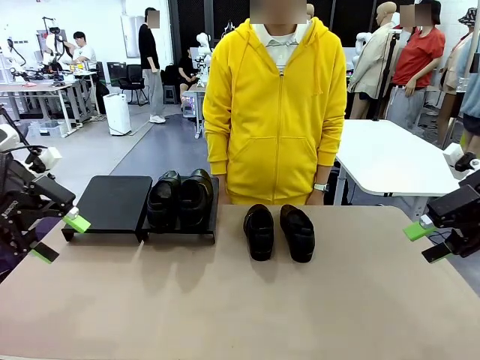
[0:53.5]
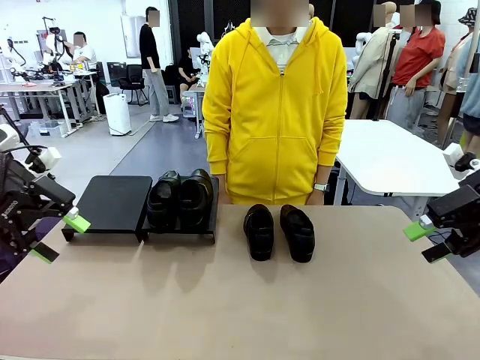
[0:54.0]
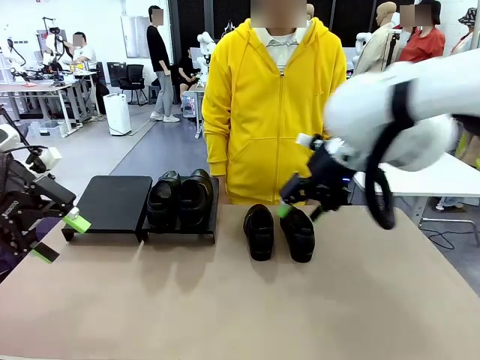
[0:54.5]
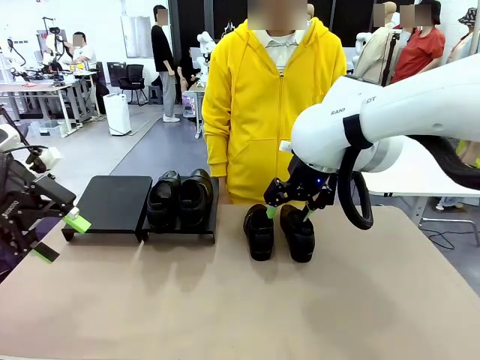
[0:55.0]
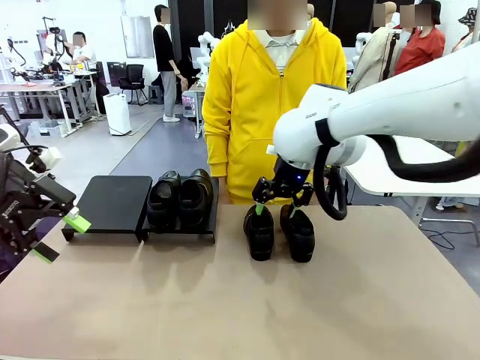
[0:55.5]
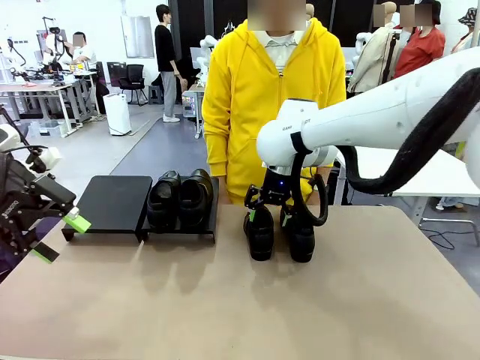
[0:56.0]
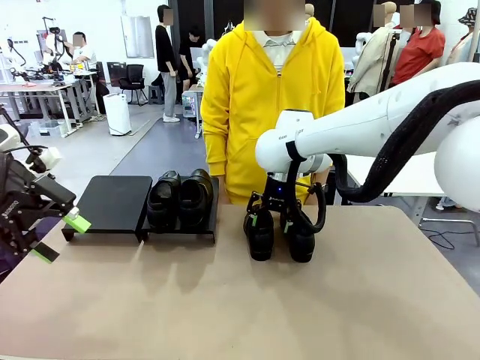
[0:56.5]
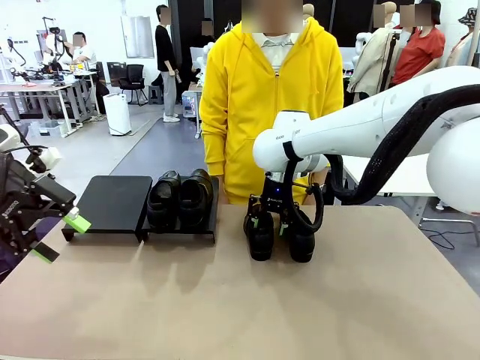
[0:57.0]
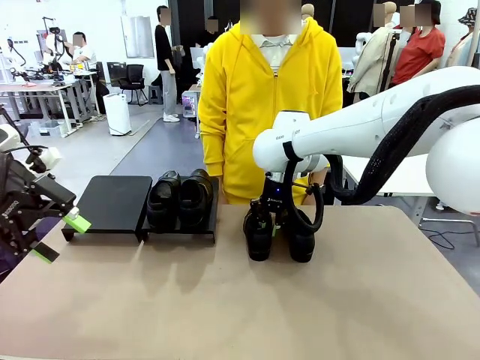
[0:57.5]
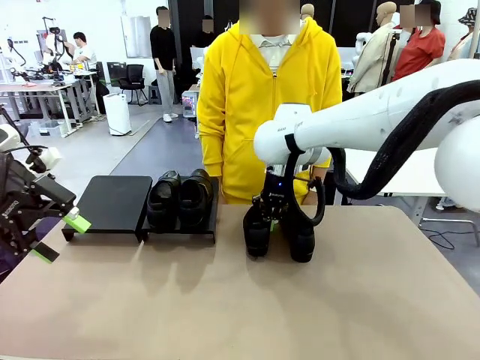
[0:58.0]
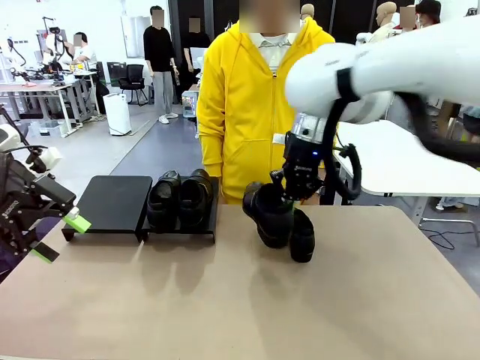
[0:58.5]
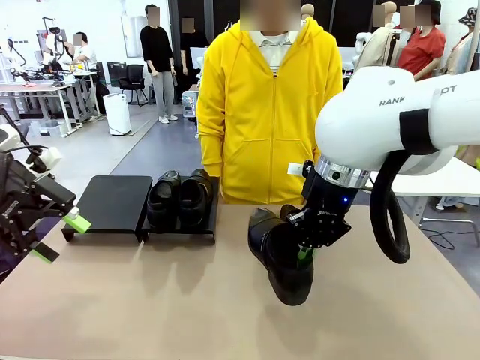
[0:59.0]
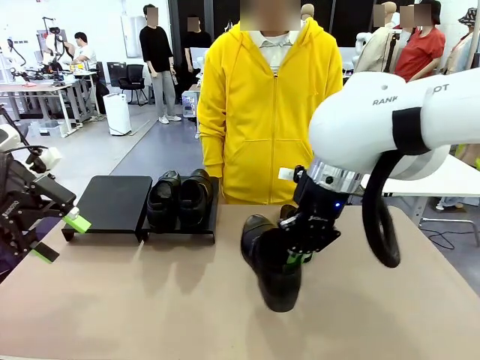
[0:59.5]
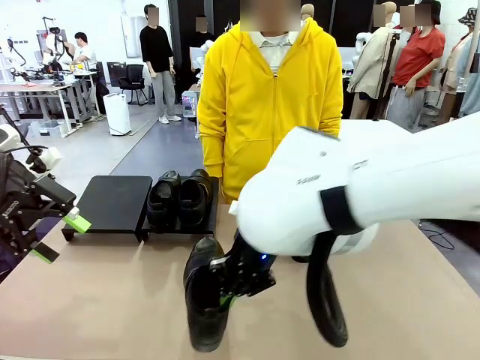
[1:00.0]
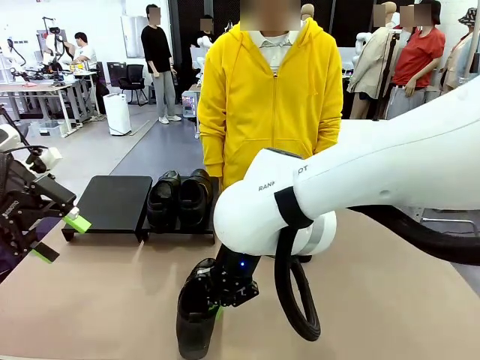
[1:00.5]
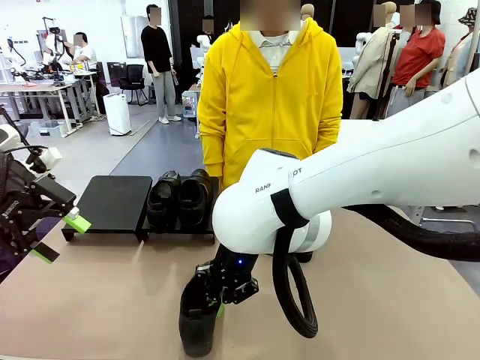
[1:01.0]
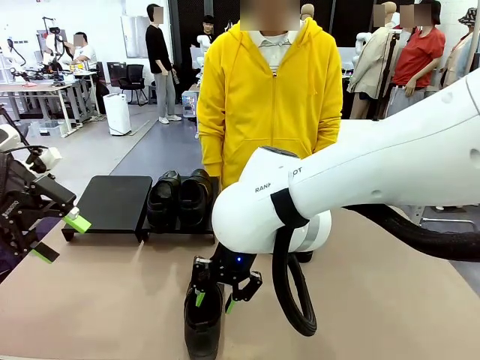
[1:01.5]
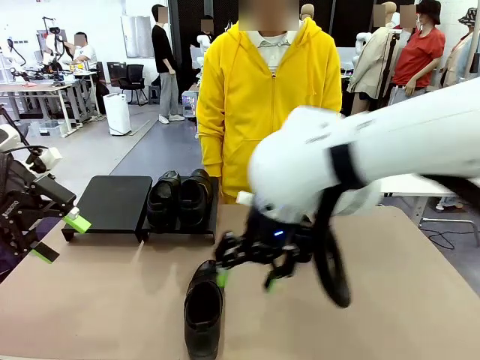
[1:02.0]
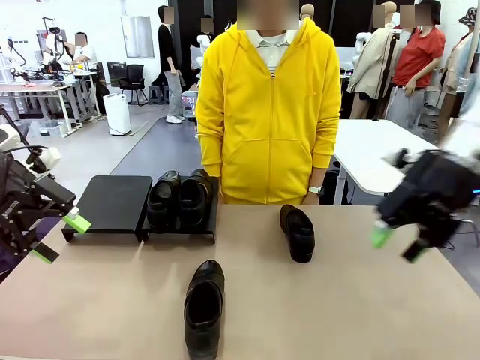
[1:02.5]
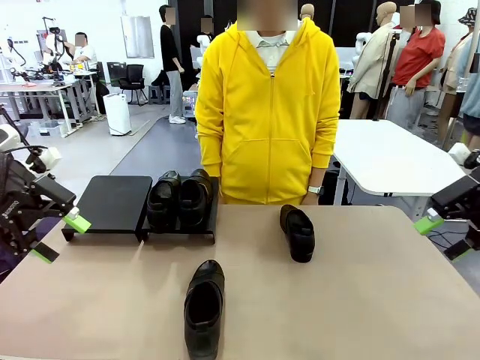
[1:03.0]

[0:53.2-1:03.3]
Task: Organize the shoes by placing them on the stand.
Robot: Pick up one Shoe and place it in the middle of the table.

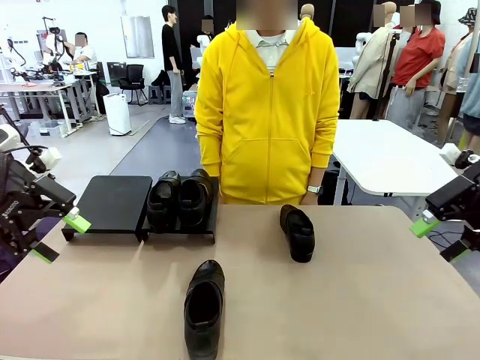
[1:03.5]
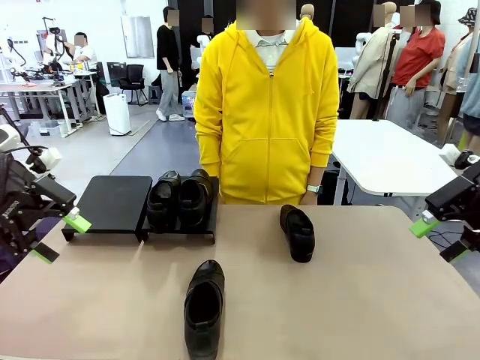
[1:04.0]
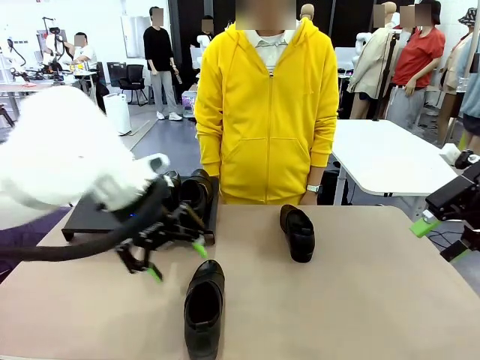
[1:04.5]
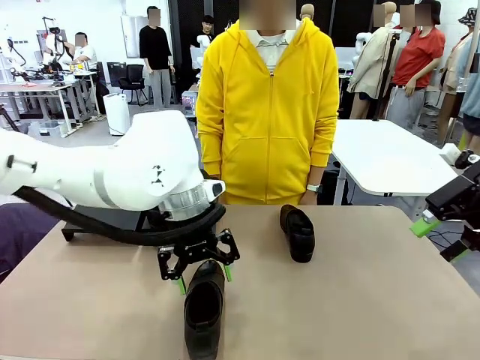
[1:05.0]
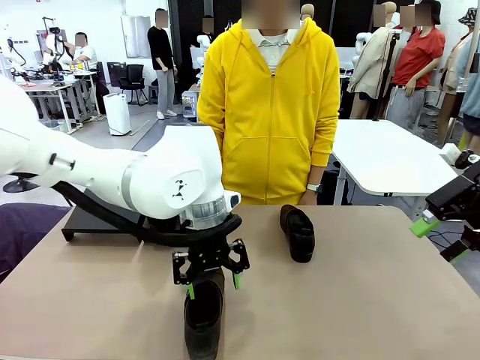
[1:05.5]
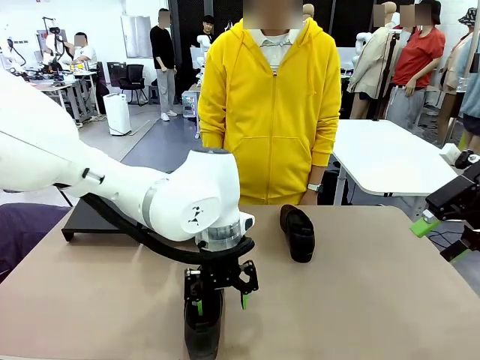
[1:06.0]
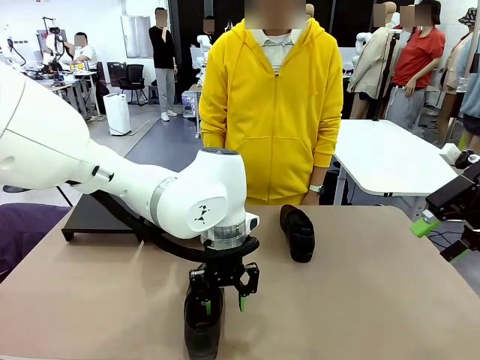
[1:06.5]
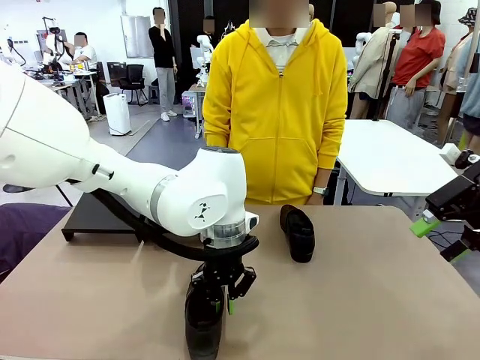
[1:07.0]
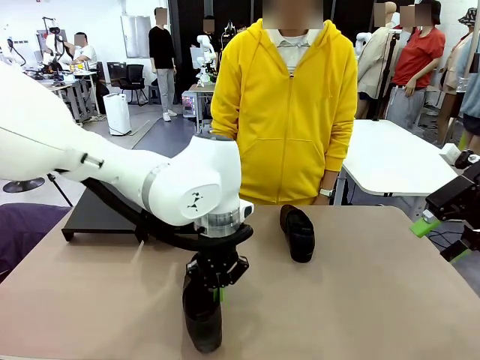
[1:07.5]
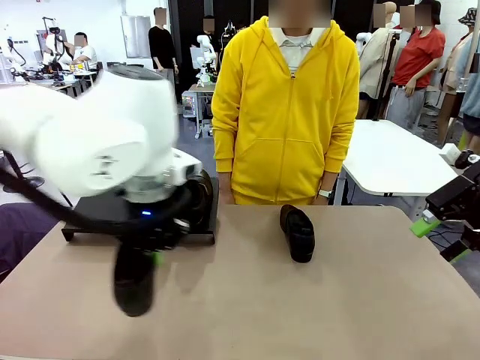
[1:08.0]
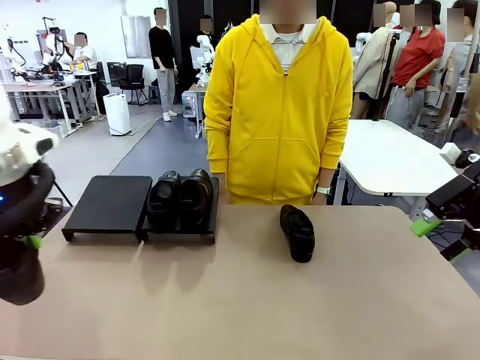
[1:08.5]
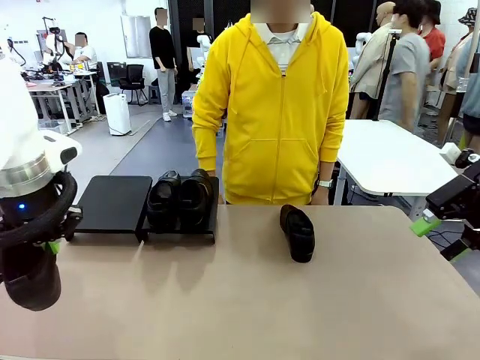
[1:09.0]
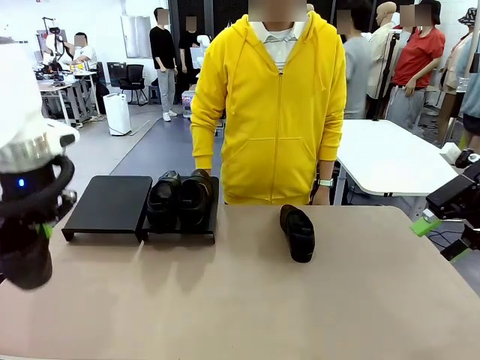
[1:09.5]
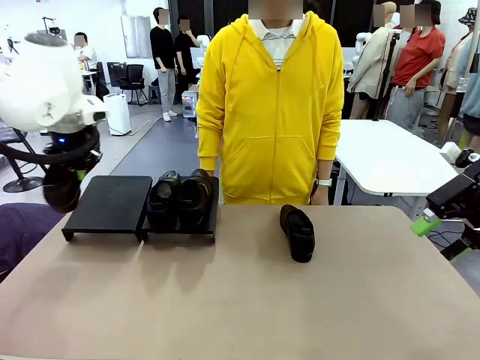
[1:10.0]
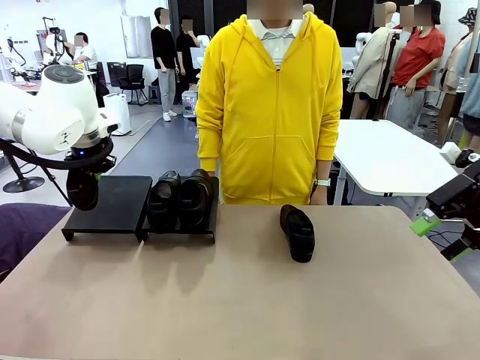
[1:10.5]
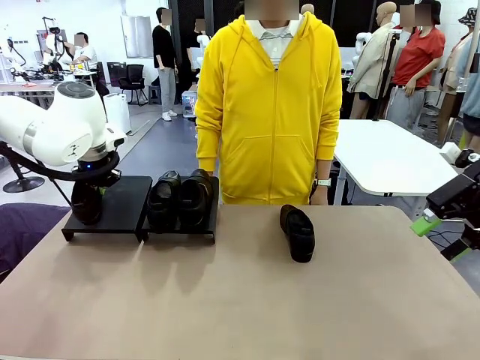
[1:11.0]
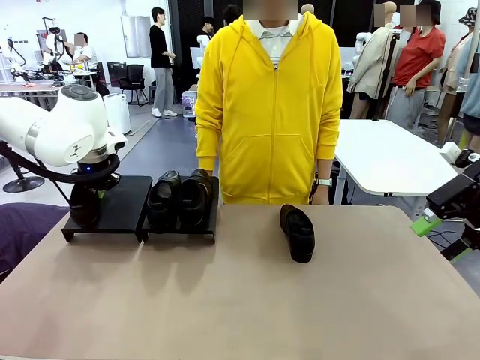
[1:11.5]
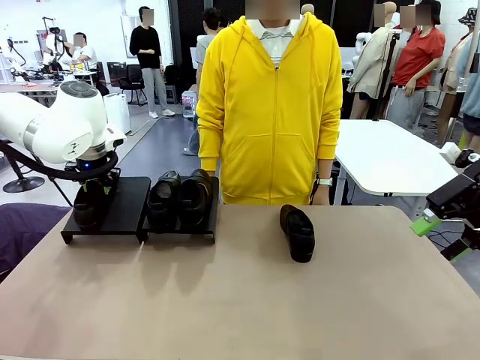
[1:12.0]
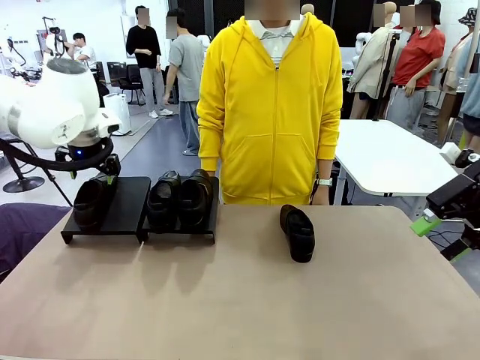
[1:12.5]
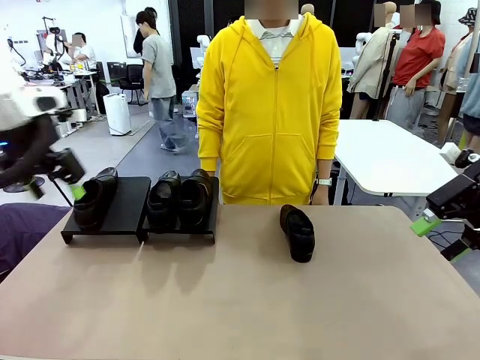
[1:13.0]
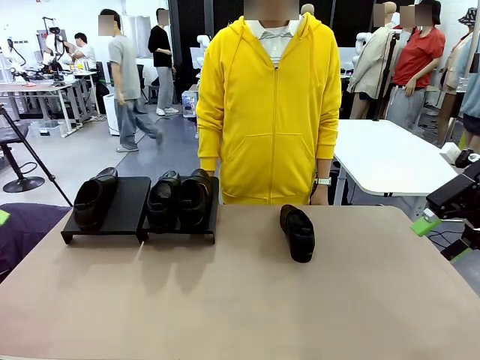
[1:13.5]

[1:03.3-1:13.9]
Robot: Place the Shoe from the middle of the table onto the Shoes Stand.

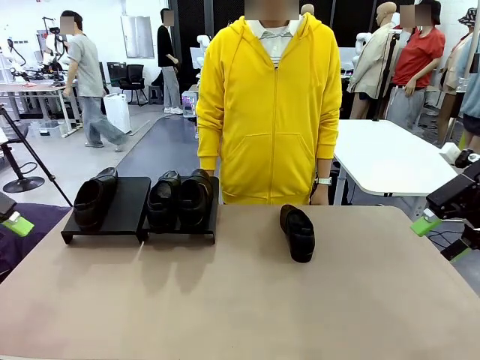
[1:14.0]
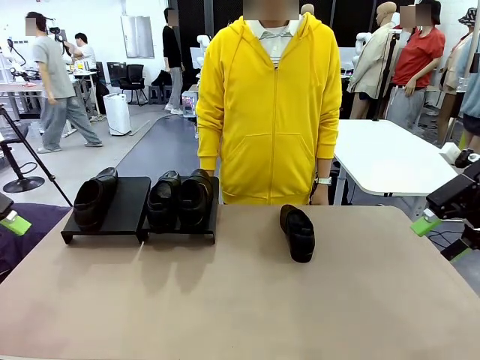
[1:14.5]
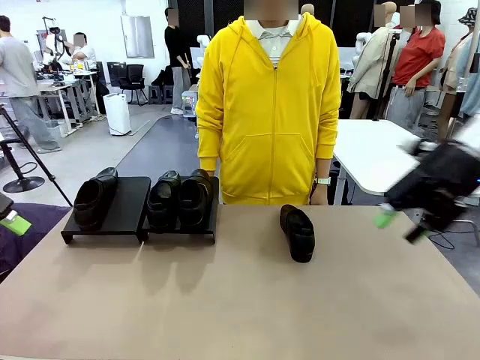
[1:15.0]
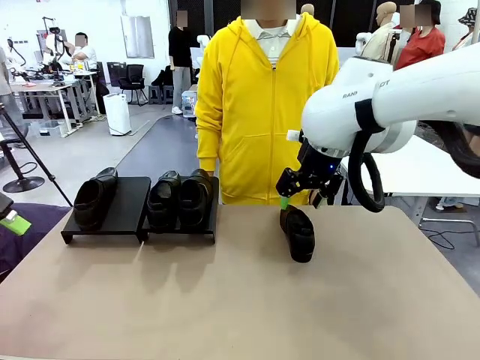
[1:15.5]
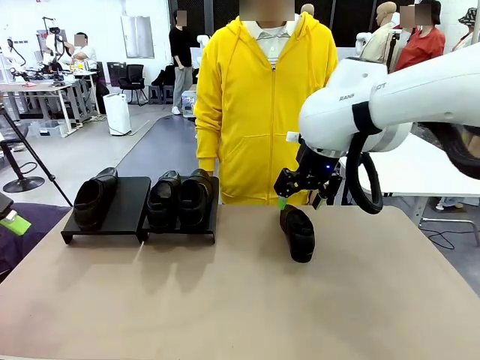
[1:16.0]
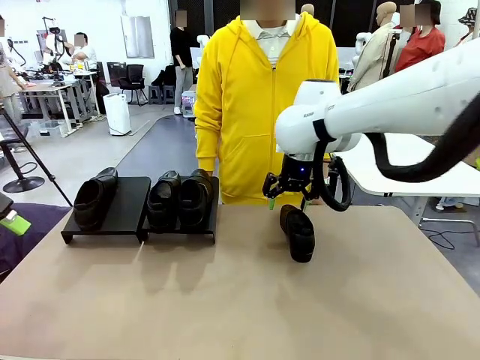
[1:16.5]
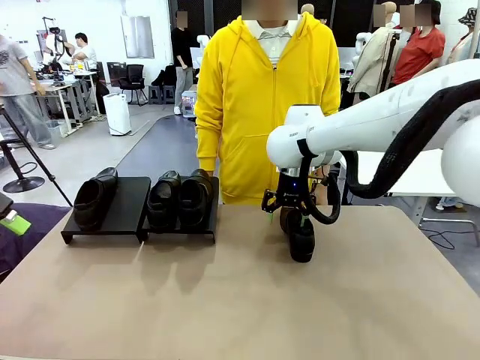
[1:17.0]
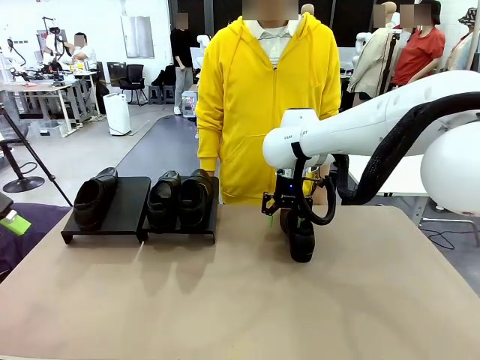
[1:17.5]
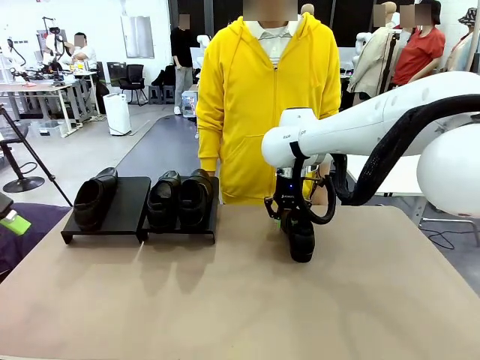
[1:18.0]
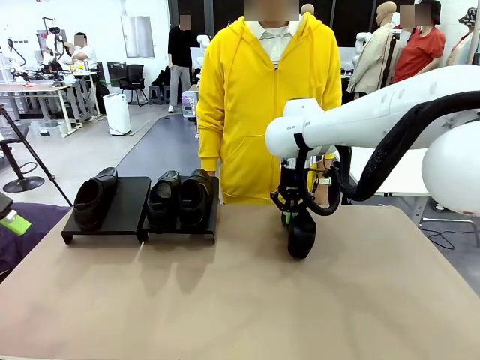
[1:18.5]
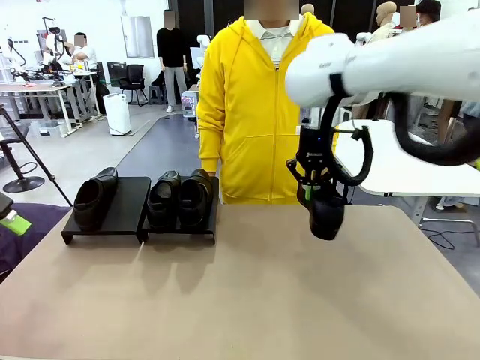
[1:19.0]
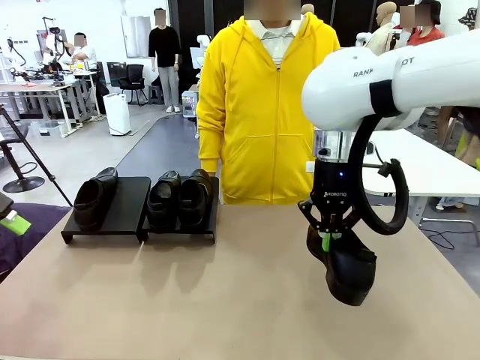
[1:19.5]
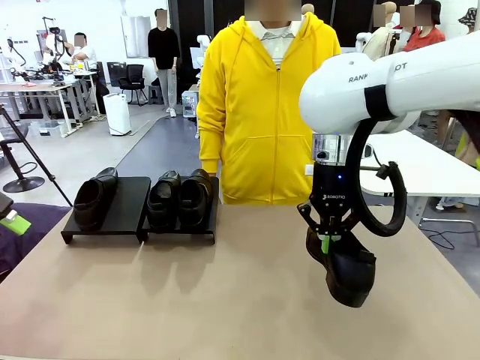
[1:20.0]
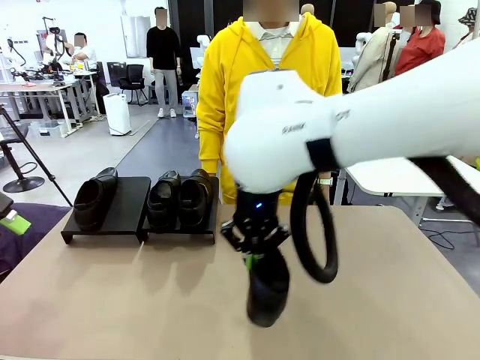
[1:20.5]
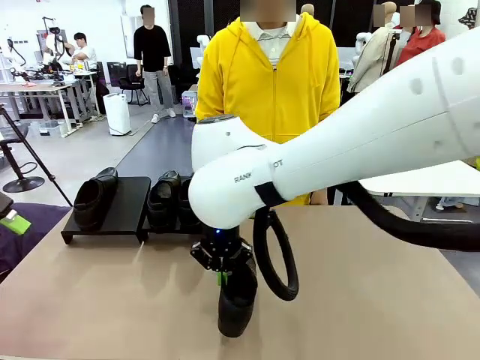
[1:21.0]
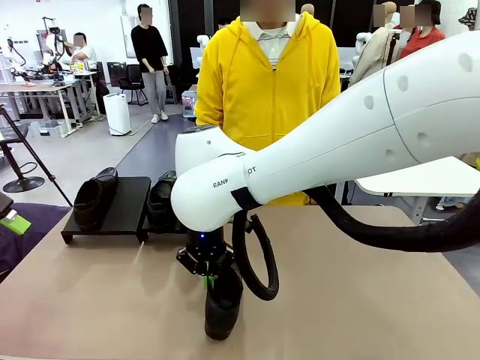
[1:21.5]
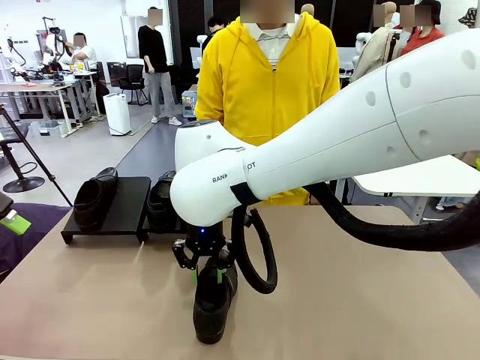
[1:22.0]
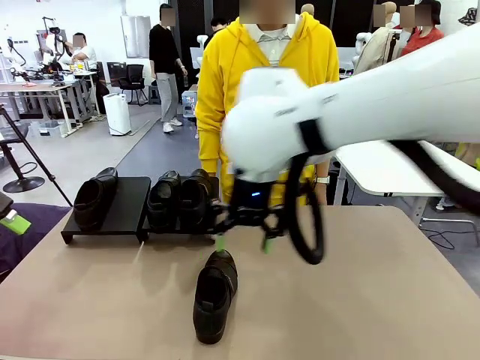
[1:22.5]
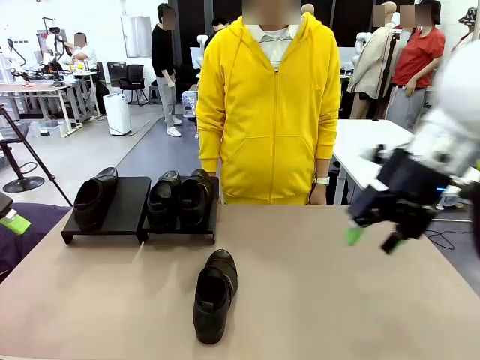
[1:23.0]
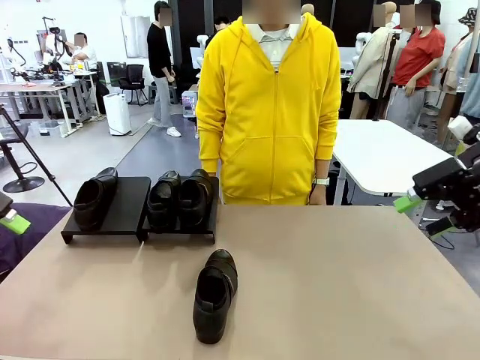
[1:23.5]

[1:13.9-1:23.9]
Robot: Pick up one Shoe and place it in the middle of the table.
